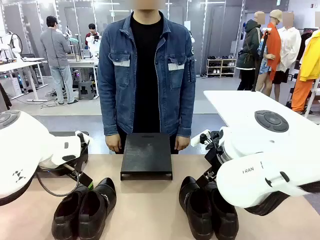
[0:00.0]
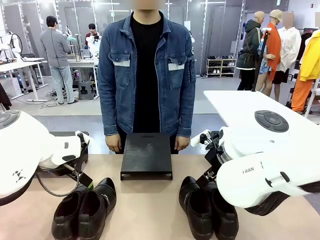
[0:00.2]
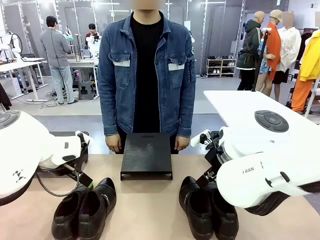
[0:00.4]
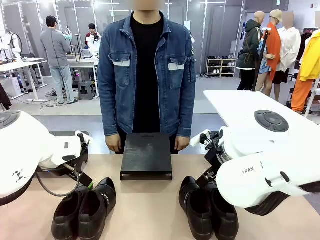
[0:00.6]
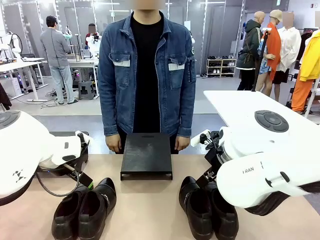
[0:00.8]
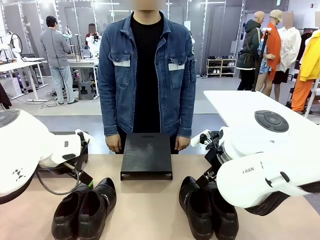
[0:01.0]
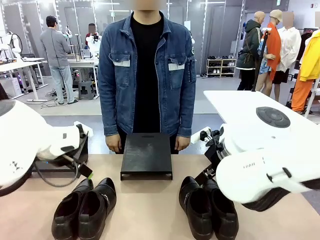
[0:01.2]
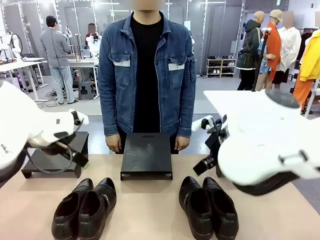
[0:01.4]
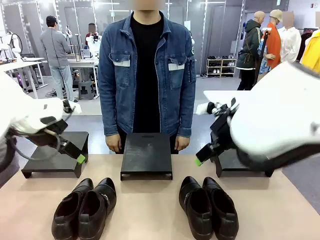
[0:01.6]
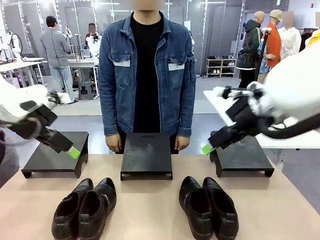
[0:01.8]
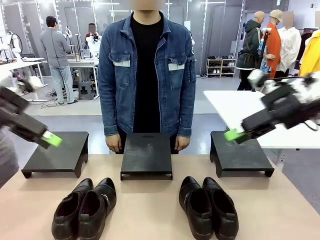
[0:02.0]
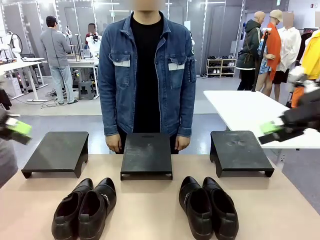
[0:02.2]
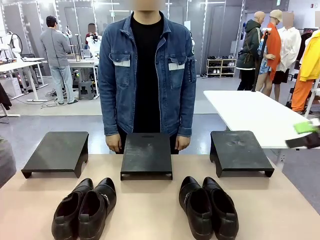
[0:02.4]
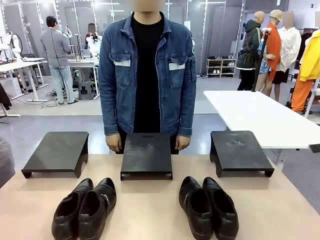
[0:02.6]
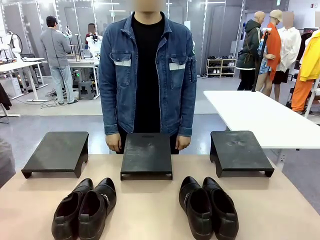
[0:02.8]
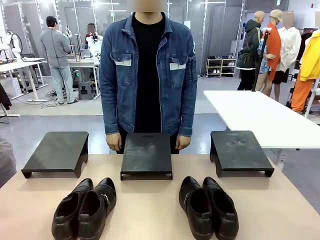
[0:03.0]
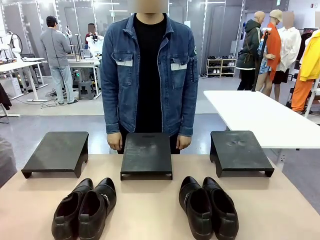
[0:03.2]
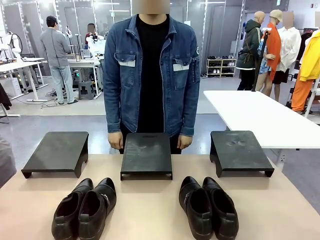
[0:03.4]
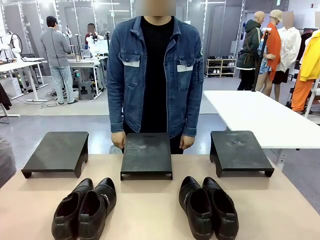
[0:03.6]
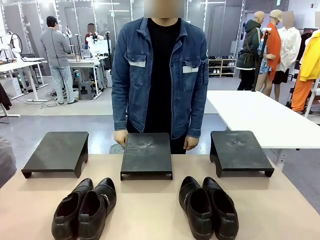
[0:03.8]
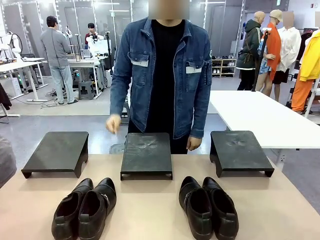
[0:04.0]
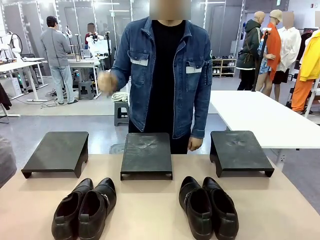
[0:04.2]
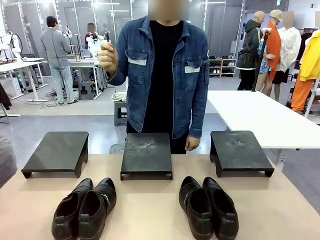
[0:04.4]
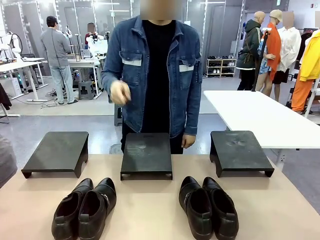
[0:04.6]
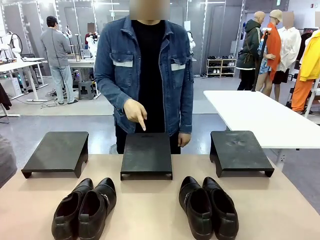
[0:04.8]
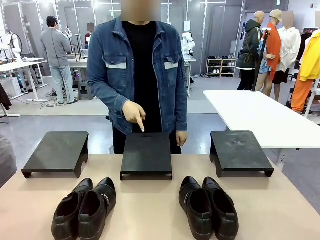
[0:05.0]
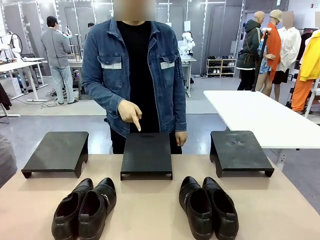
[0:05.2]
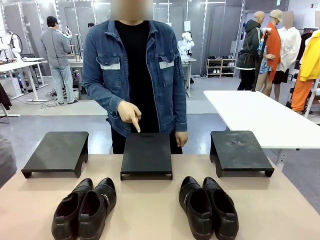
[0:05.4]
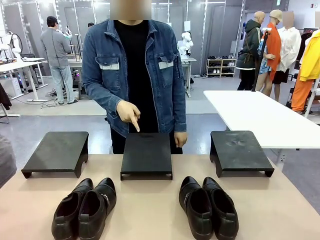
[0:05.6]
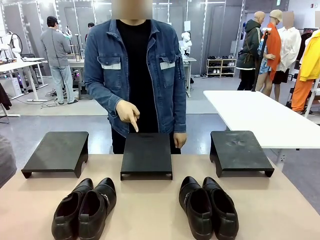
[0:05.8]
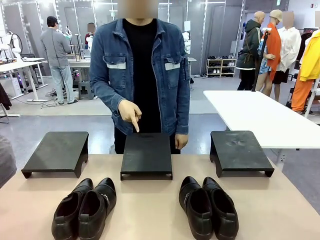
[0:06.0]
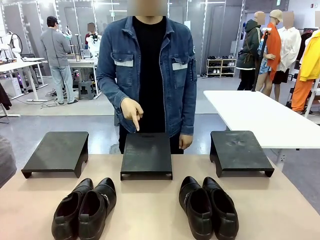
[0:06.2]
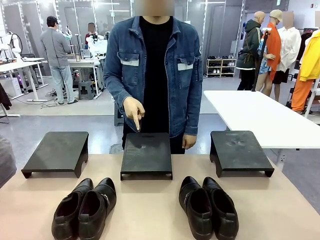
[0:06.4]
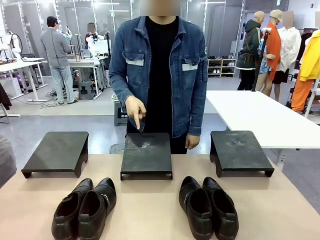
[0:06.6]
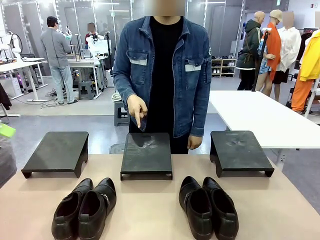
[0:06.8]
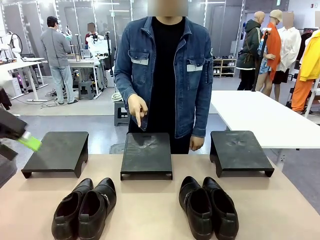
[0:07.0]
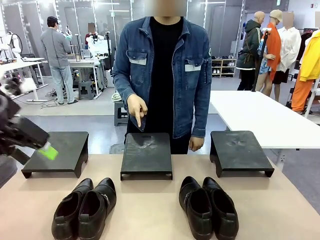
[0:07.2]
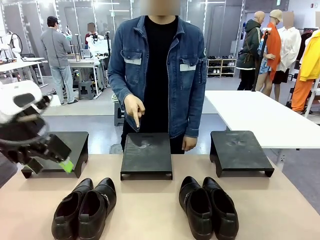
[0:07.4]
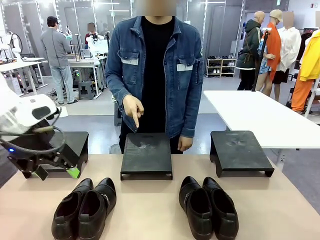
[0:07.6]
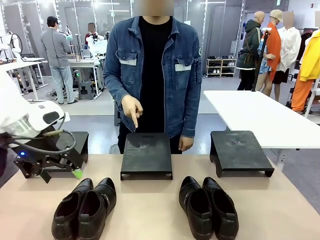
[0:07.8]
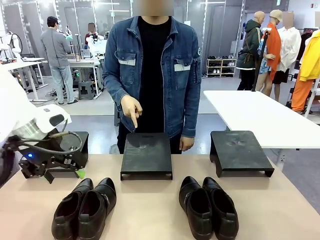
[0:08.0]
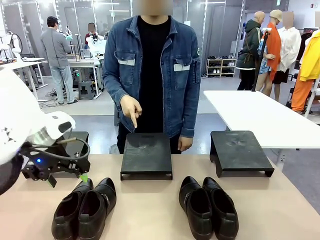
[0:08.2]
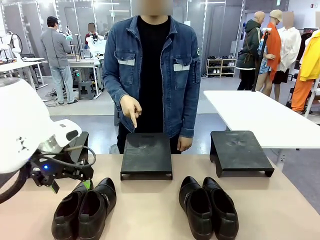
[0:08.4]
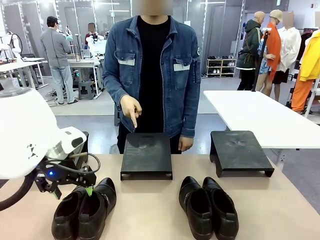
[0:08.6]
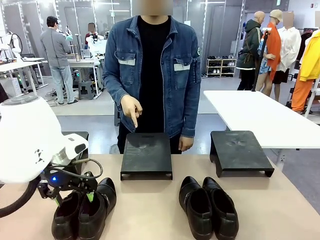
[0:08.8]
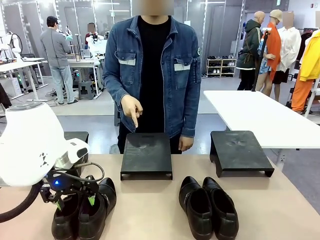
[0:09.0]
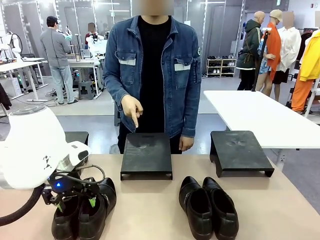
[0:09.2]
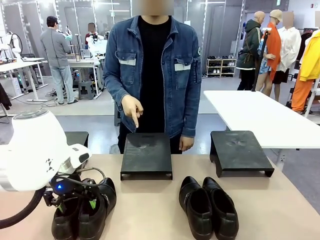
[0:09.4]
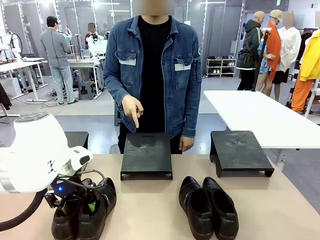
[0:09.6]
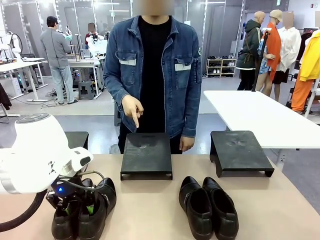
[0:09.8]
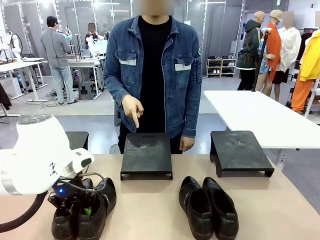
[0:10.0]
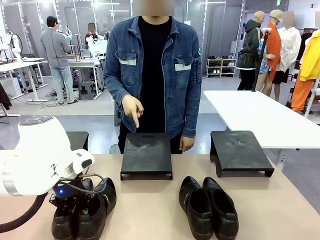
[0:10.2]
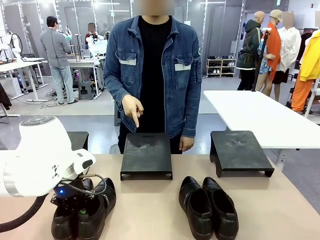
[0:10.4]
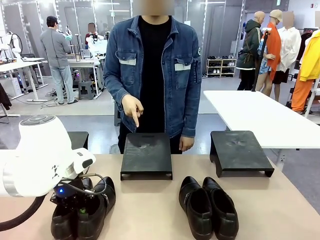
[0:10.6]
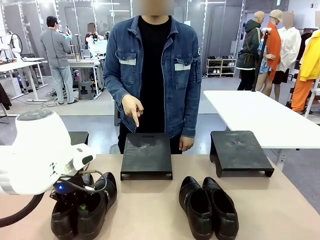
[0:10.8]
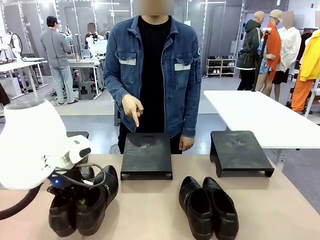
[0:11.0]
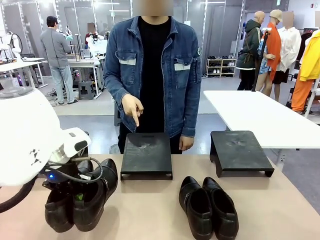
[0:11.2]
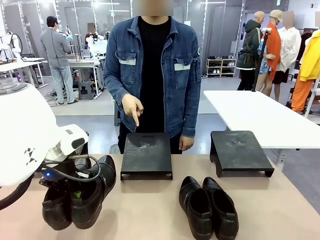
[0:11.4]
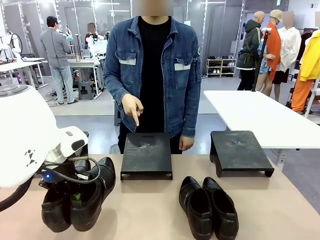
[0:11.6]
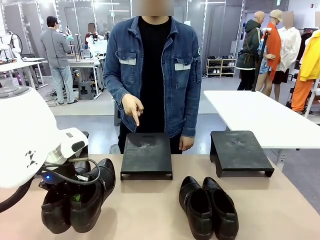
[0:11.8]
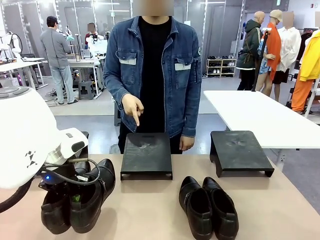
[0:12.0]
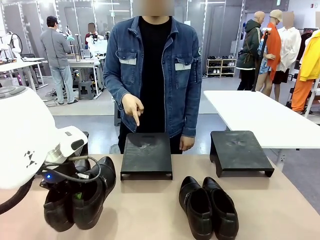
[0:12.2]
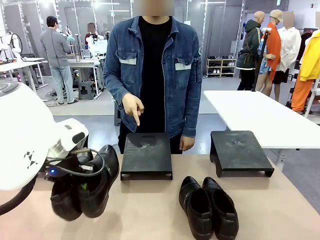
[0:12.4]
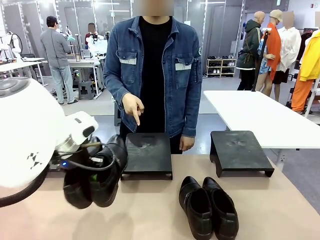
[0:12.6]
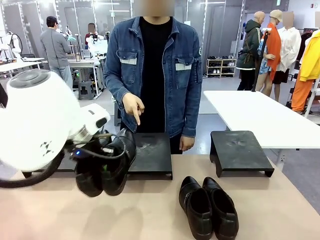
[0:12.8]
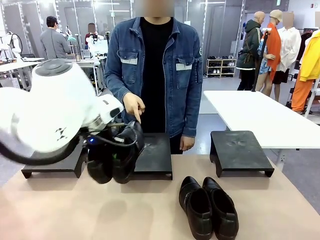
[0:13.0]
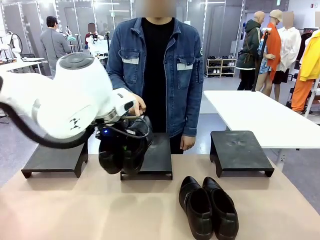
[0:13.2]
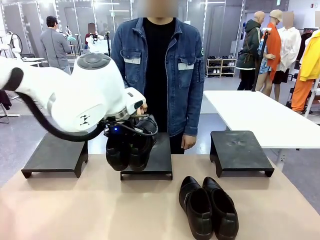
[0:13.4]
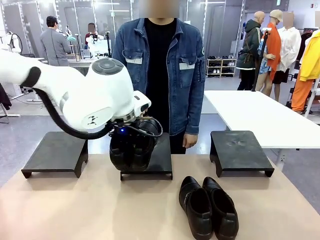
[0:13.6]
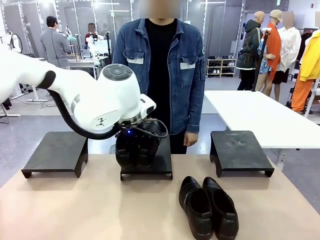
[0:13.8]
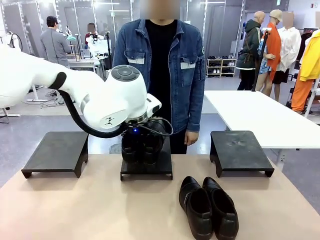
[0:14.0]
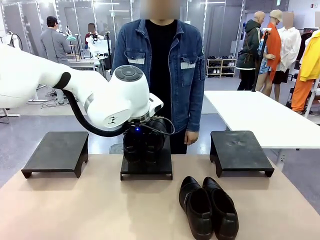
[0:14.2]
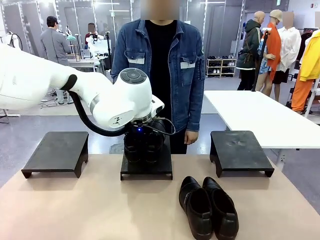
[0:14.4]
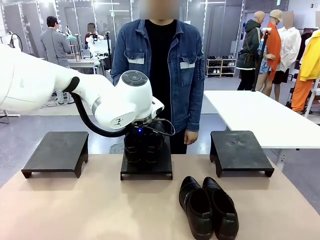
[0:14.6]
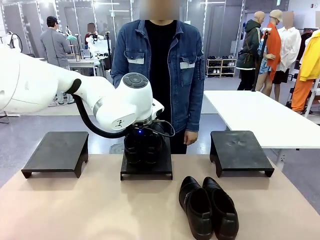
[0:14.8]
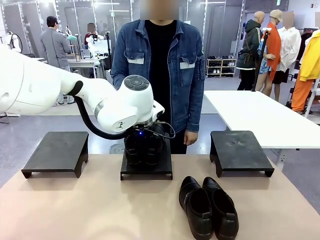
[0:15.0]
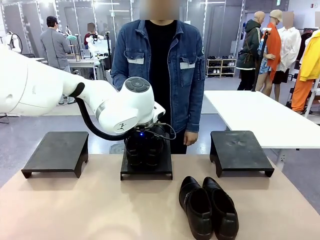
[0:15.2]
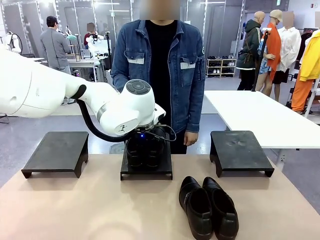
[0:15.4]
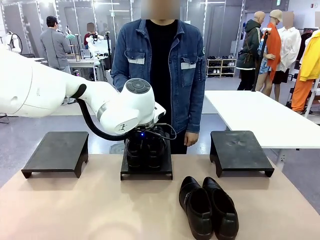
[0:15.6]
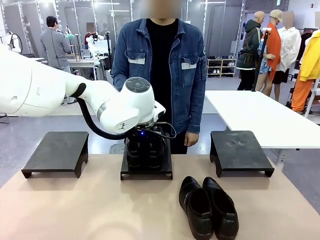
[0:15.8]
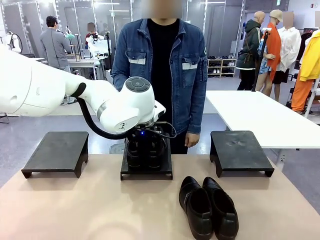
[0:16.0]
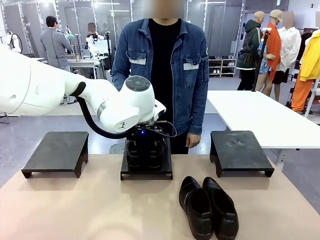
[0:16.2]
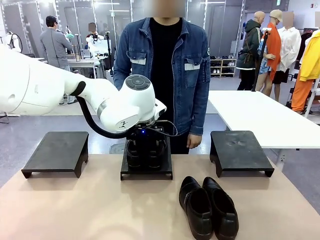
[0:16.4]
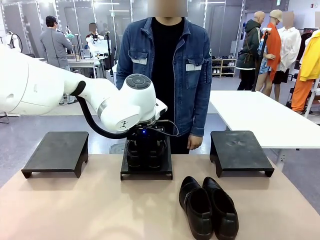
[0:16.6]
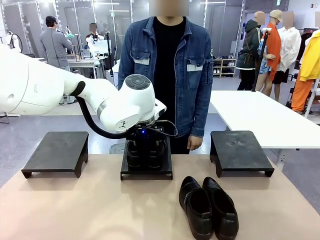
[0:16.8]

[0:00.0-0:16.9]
Task: Place the shoes on the stand as instructed by the person.
Robot: Pick up one pair of Shoes and place it on the Shoes Stand indicated by the person.
